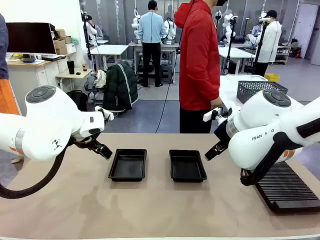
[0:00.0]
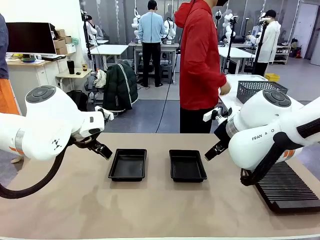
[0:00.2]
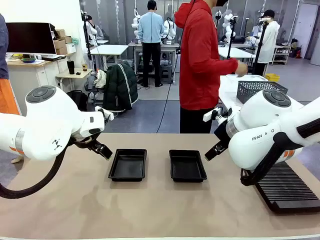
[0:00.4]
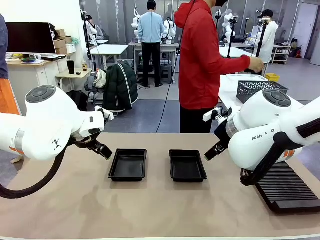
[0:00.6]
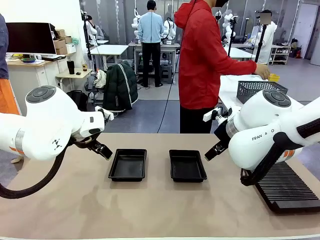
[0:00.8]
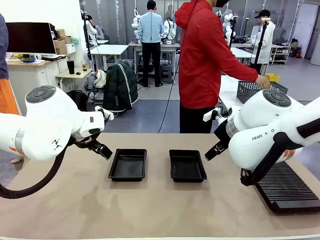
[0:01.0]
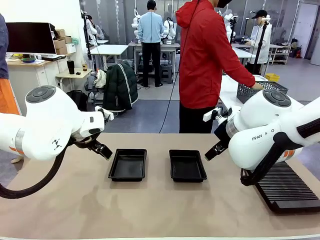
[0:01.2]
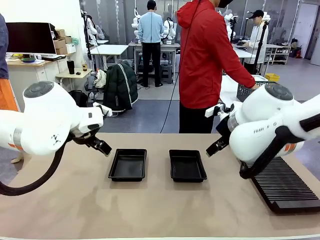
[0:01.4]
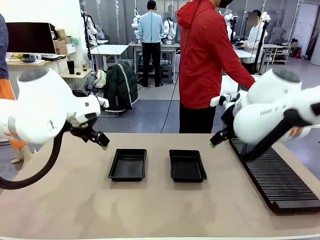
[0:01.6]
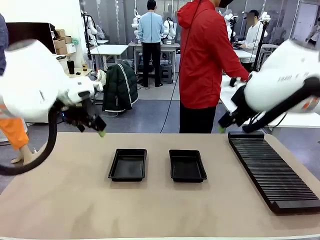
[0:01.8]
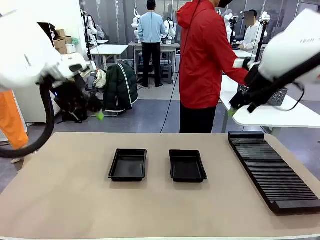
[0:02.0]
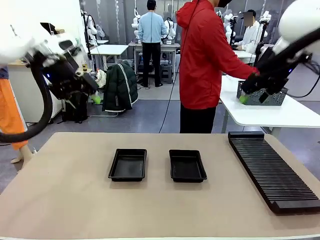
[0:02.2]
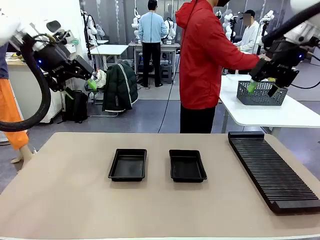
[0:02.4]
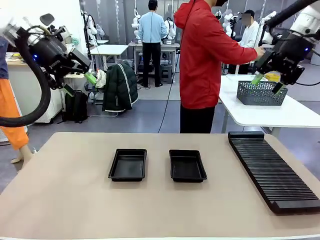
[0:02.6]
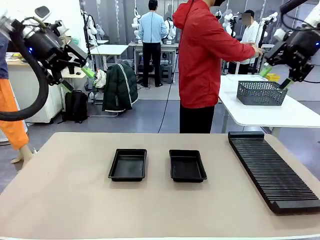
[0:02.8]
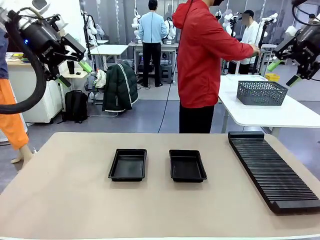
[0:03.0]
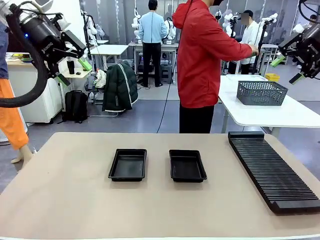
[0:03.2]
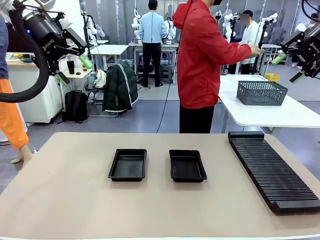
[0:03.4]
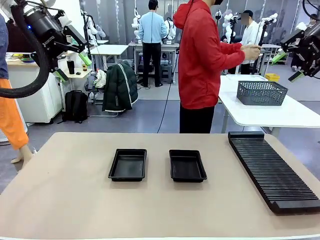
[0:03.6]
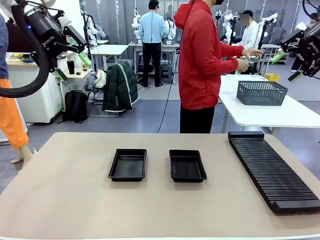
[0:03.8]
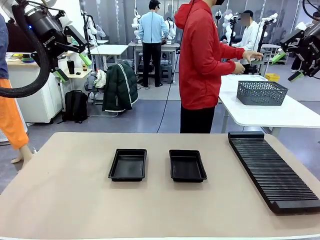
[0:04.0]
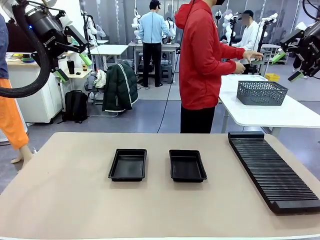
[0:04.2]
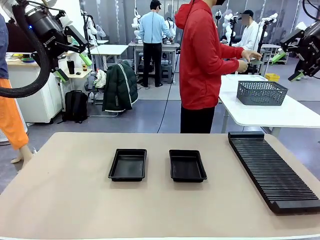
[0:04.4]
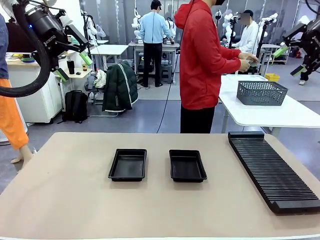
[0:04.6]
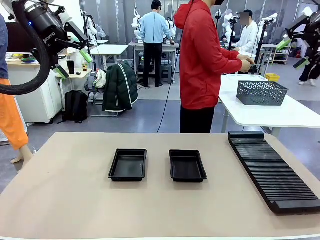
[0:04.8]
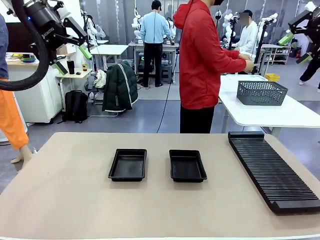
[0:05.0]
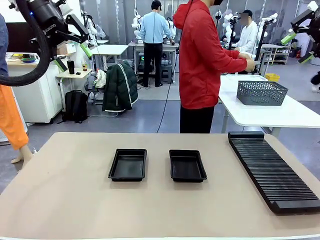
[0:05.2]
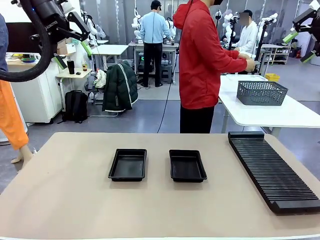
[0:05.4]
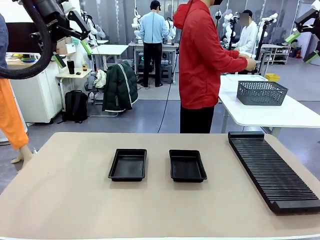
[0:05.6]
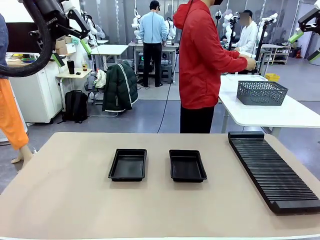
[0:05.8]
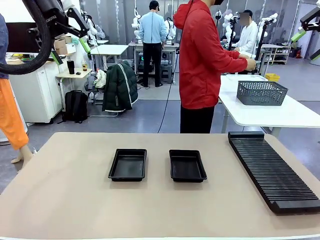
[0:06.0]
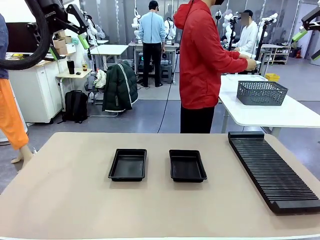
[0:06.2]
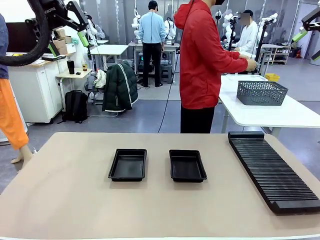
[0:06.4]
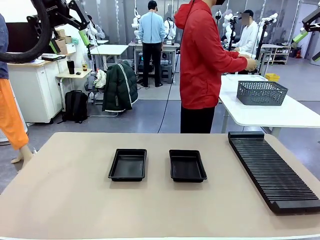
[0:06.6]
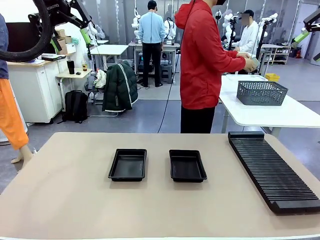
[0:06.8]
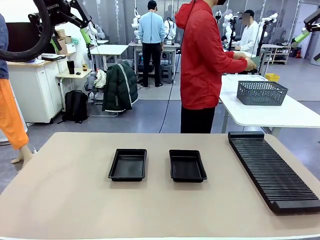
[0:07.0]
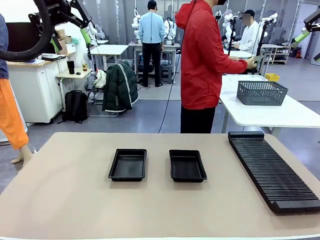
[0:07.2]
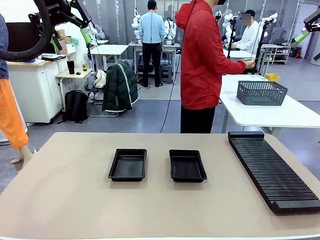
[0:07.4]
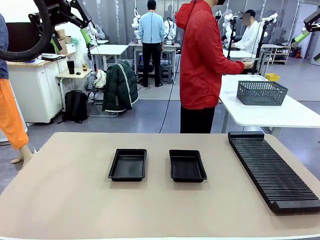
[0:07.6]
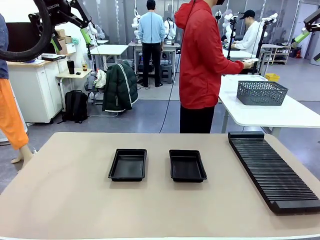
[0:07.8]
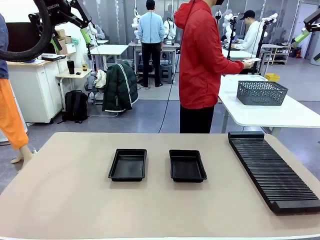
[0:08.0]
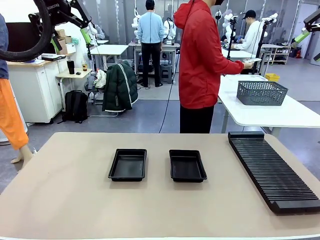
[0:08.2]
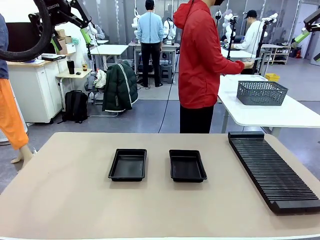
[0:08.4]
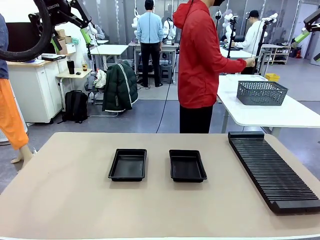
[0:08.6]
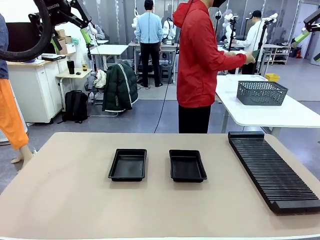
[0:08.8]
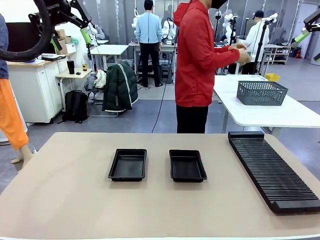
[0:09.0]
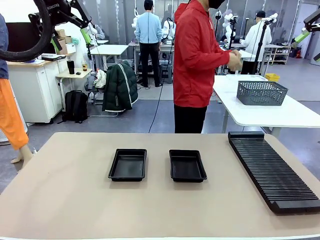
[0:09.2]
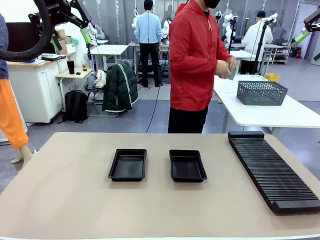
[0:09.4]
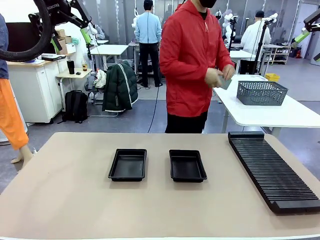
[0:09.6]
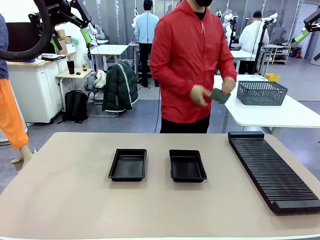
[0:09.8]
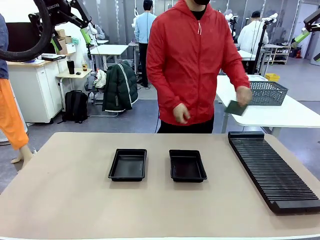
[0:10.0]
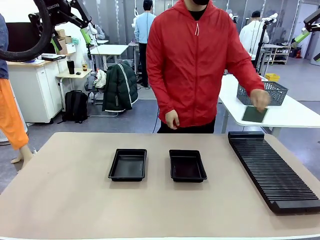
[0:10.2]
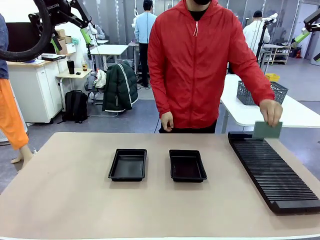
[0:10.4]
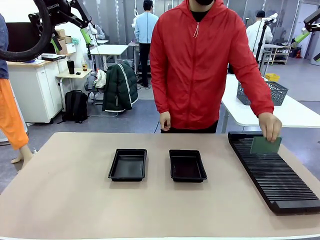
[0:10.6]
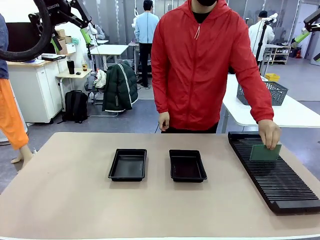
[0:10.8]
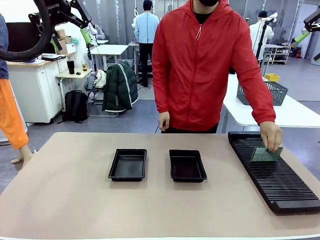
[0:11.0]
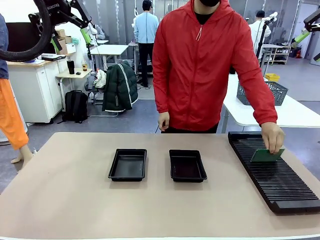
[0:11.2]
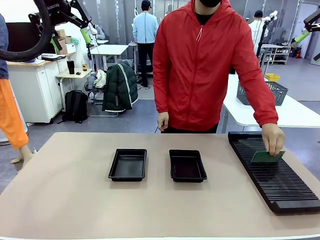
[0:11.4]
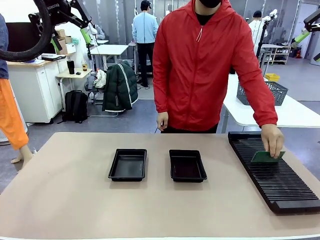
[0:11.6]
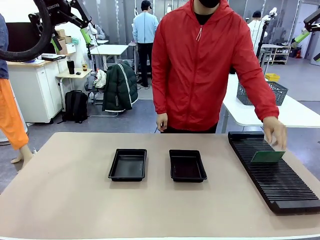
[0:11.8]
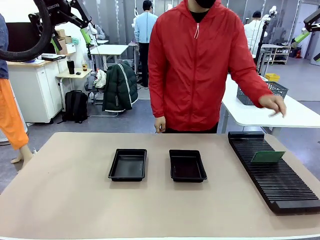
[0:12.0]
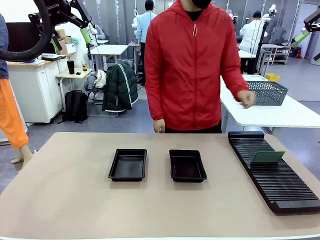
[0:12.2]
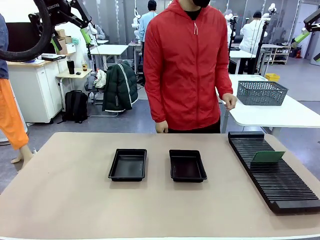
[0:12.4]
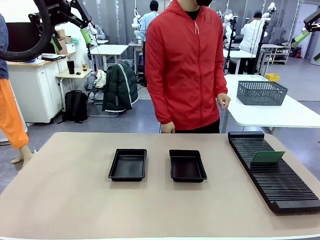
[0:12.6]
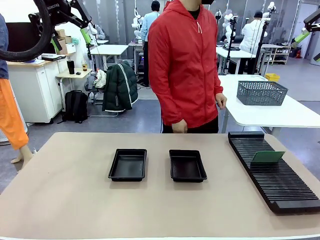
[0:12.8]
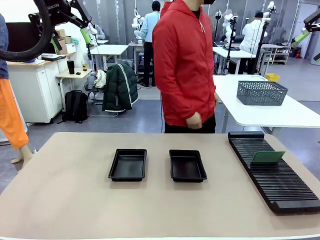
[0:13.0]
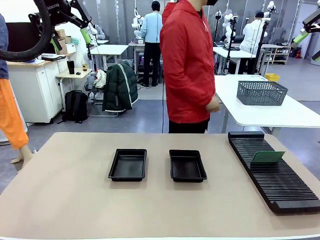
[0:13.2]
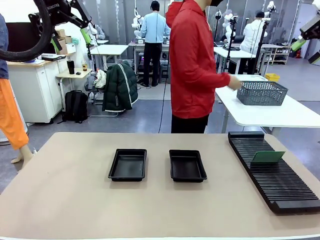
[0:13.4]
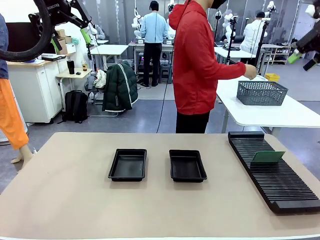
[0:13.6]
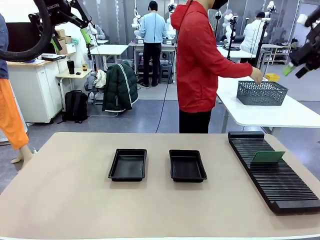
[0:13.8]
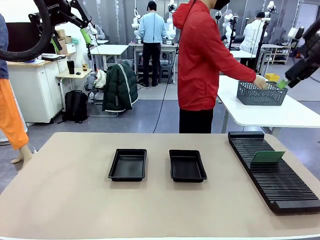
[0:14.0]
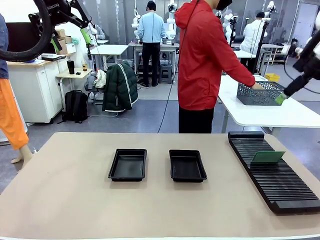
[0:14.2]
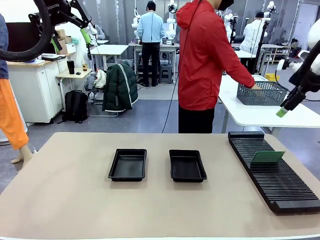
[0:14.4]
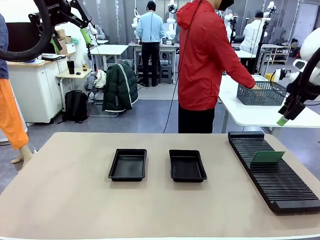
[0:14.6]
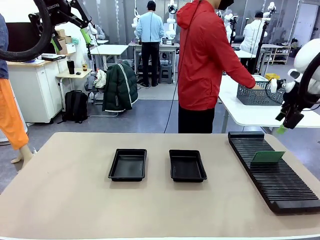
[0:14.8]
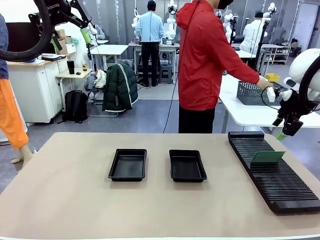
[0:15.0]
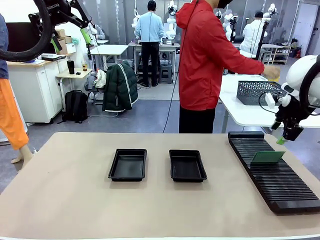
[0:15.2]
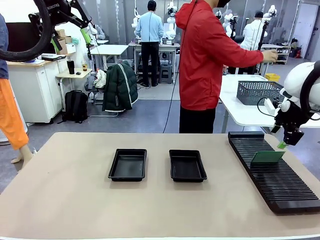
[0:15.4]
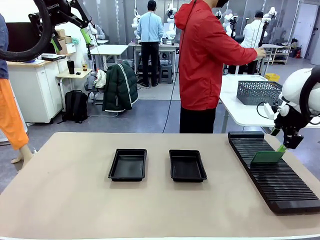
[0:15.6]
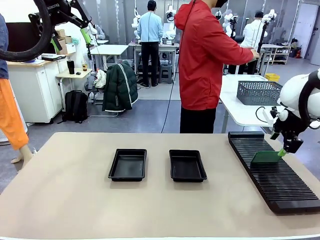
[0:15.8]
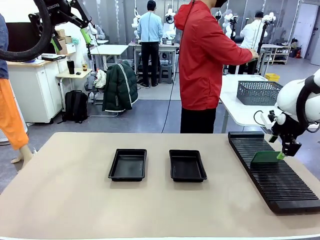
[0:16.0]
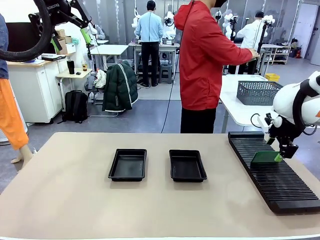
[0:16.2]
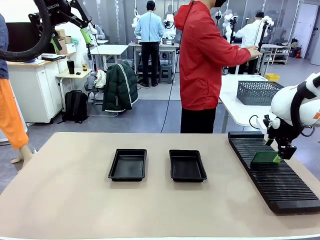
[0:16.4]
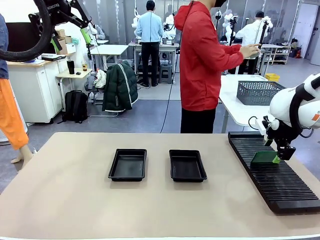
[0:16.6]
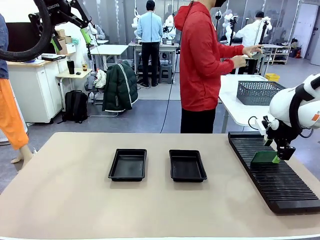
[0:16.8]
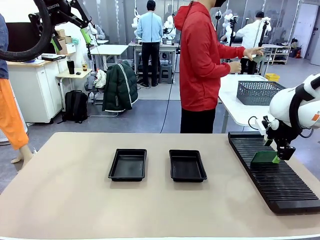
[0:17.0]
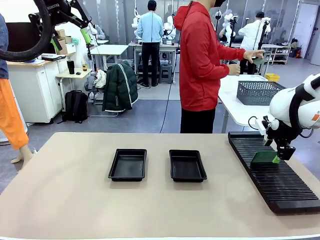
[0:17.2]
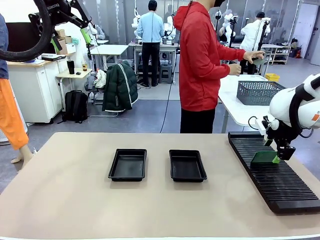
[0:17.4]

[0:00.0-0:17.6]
Task: Inspect and transfer BCBs to ESD trays.
Robot: Pick up the Blank PCB from the PCB Rack and place it in the left ESD tray.
